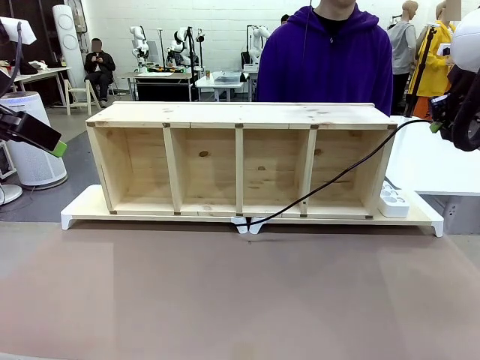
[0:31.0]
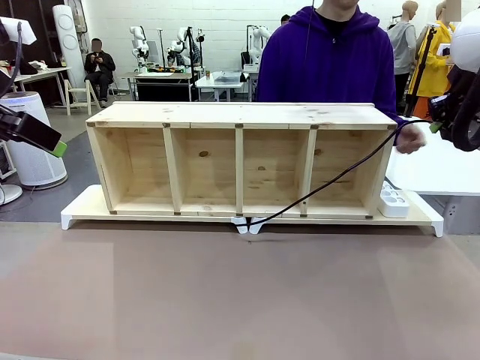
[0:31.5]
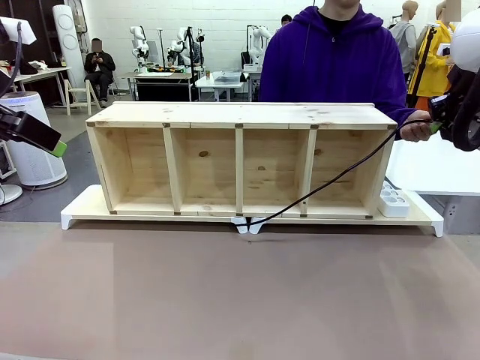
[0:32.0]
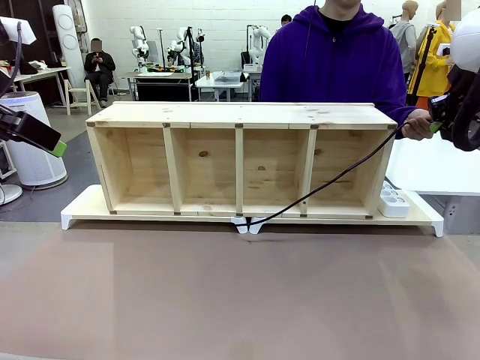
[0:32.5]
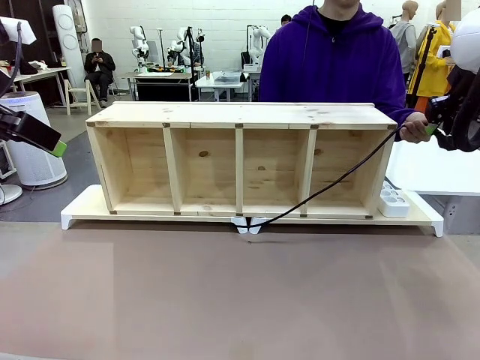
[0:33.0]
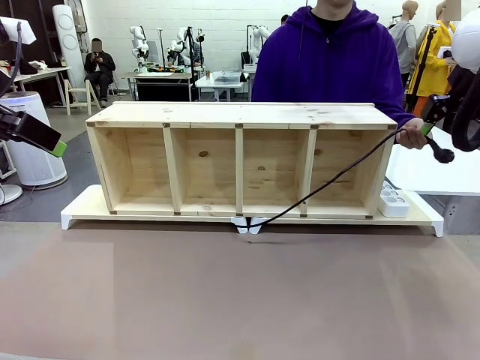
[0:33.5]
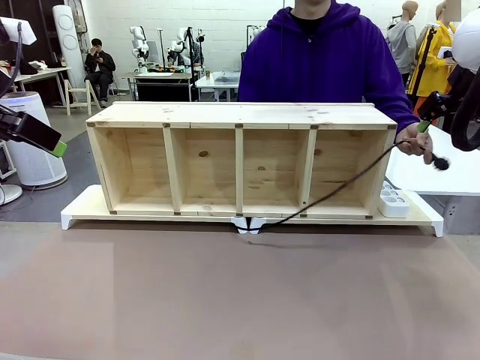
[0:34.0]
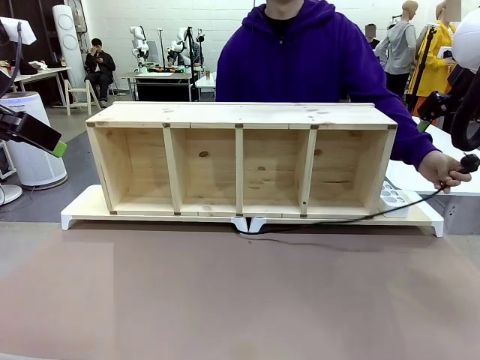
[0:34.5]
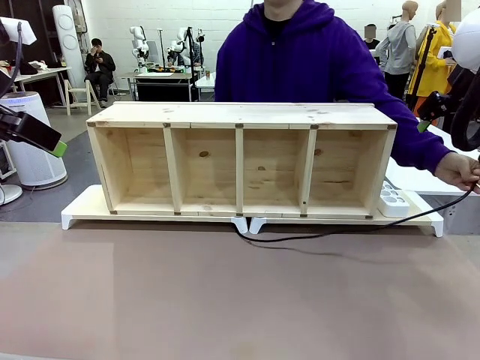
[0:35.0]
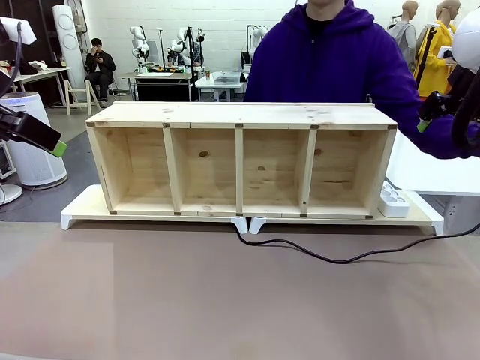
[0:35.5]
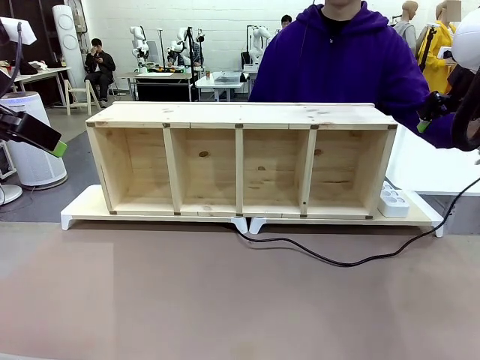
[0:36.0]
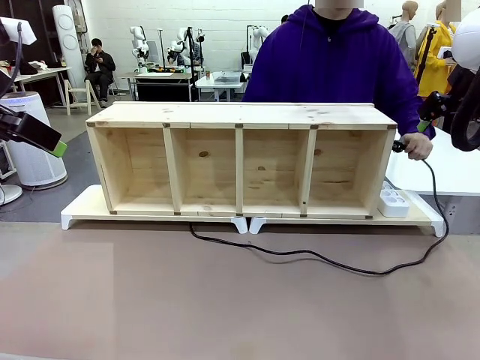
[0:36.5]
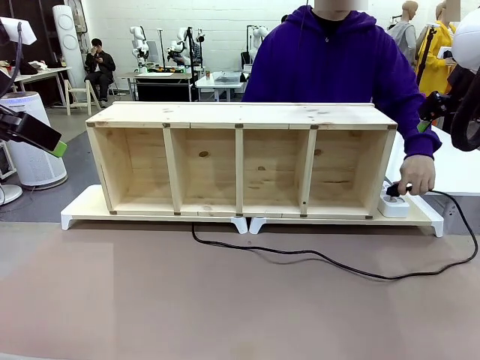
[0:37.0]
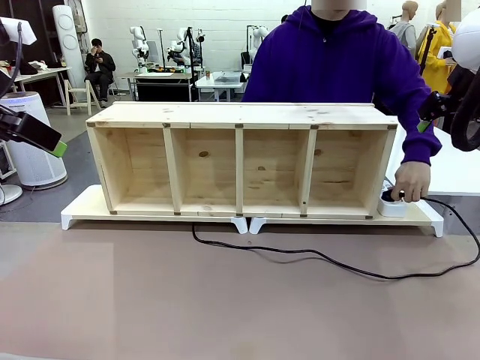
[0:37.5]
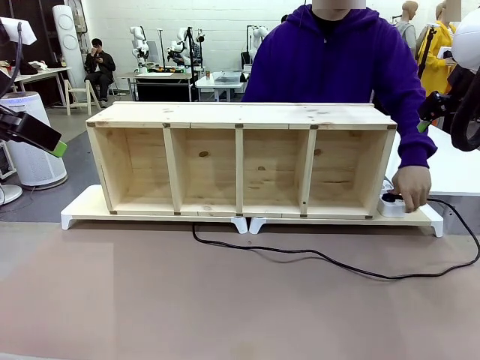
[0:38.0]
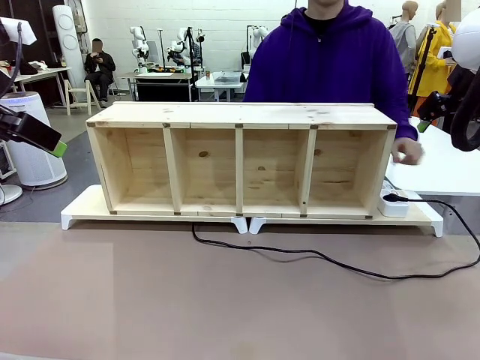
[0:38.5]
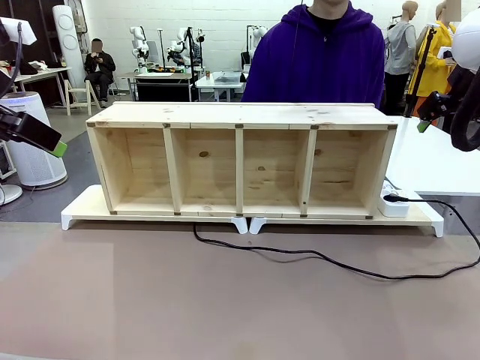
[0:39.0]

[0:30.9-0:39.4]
Task: Perform cable management.
Robot: Release the Power Cable when the human grasps it.
Person: Plug the Power Cable into the Power Strip.

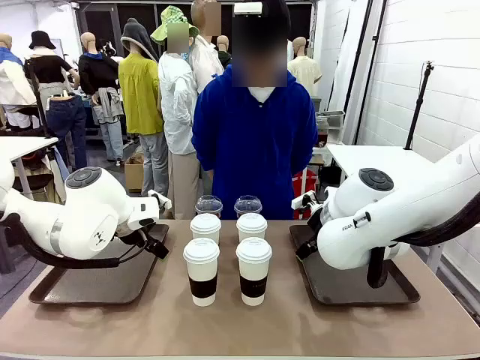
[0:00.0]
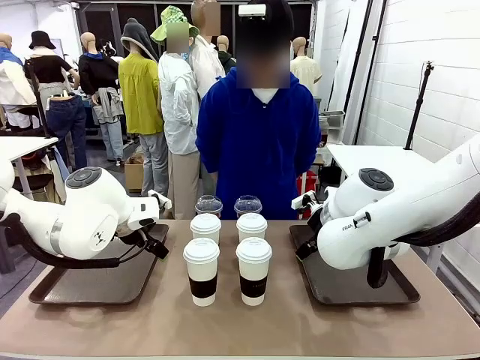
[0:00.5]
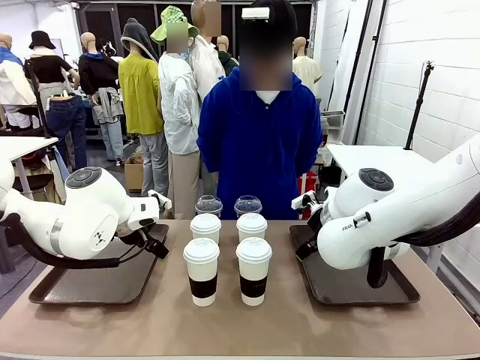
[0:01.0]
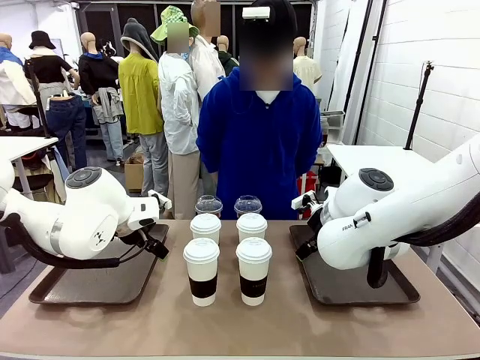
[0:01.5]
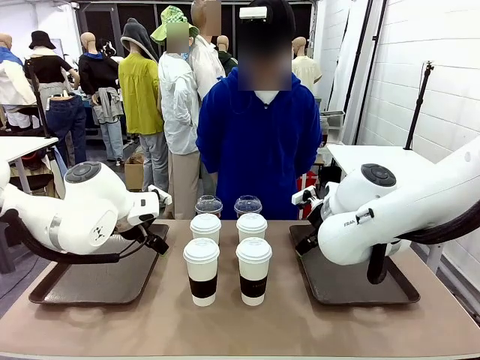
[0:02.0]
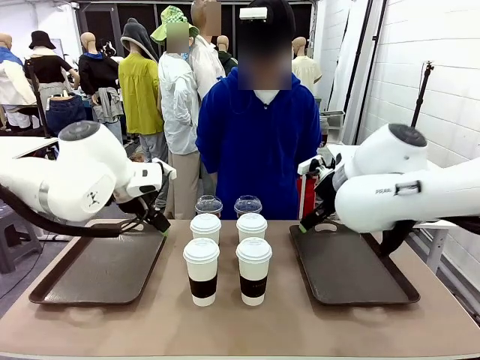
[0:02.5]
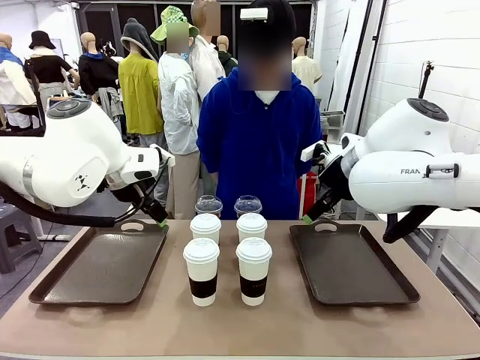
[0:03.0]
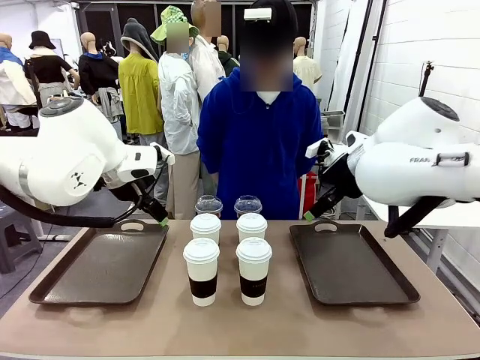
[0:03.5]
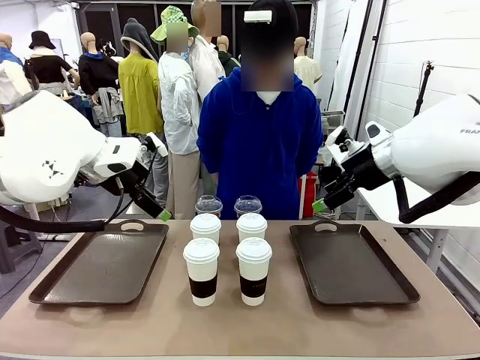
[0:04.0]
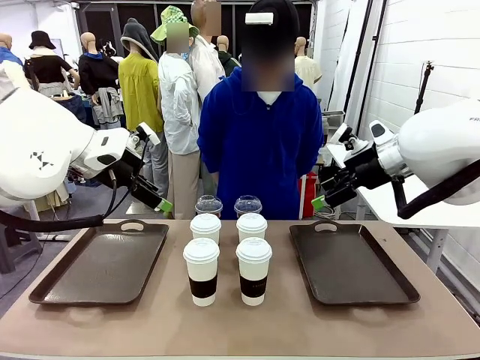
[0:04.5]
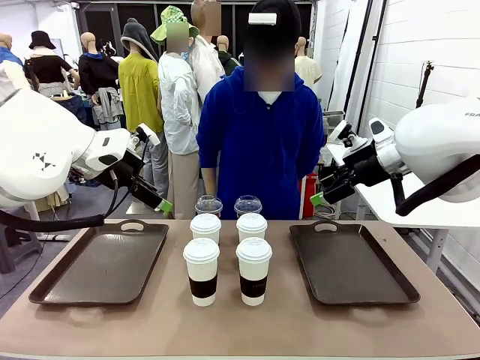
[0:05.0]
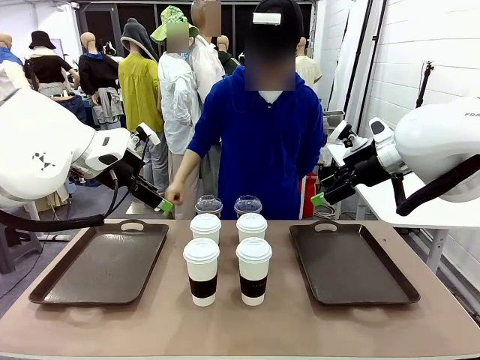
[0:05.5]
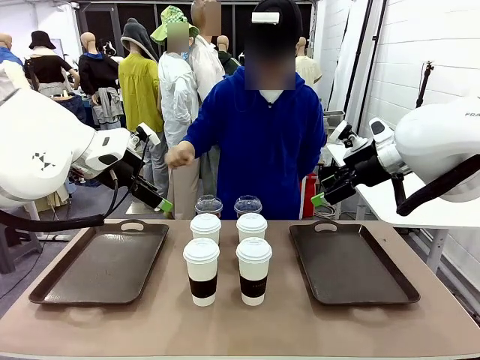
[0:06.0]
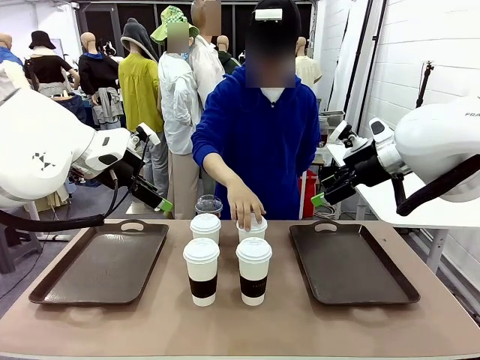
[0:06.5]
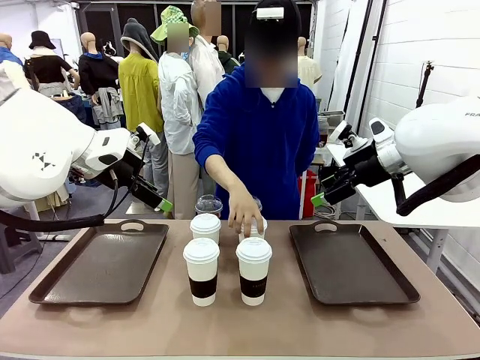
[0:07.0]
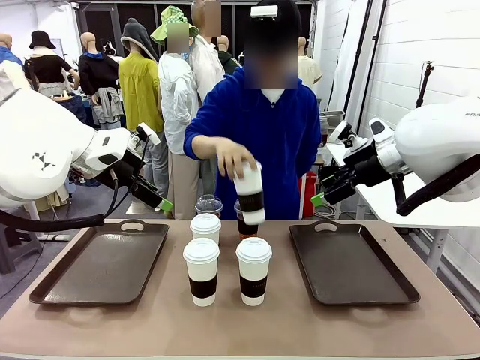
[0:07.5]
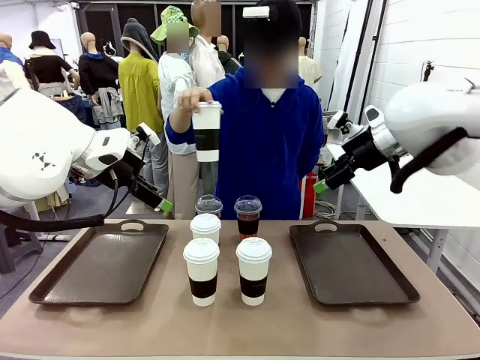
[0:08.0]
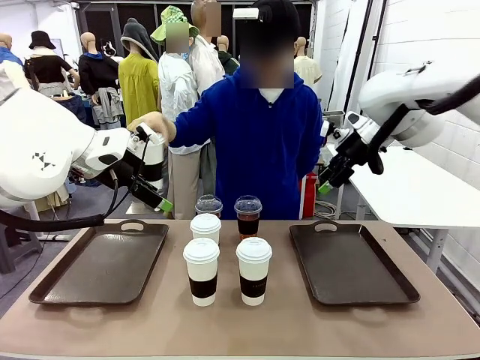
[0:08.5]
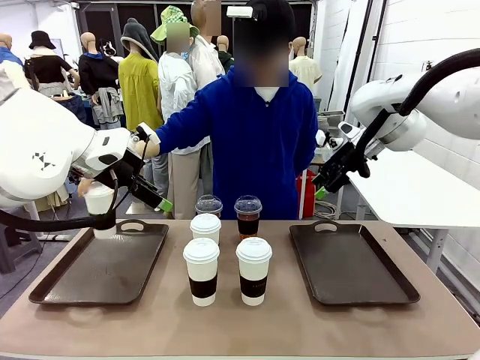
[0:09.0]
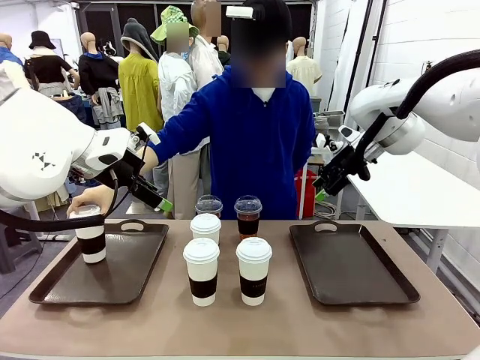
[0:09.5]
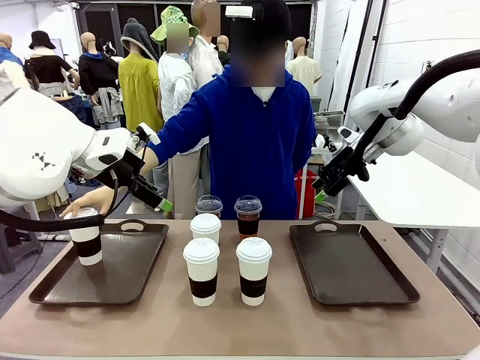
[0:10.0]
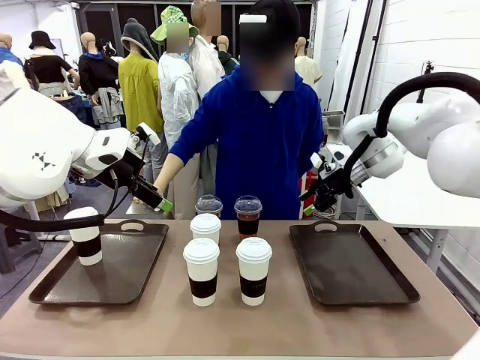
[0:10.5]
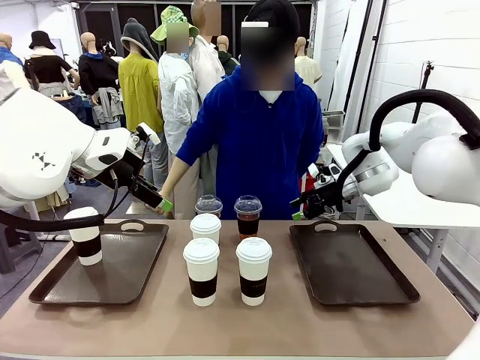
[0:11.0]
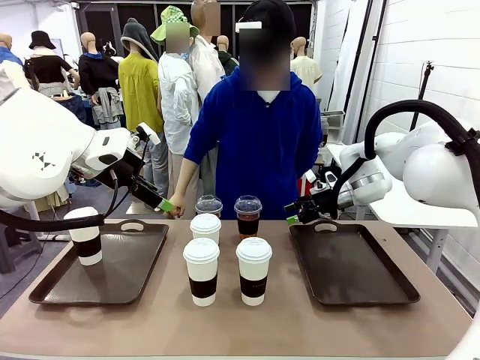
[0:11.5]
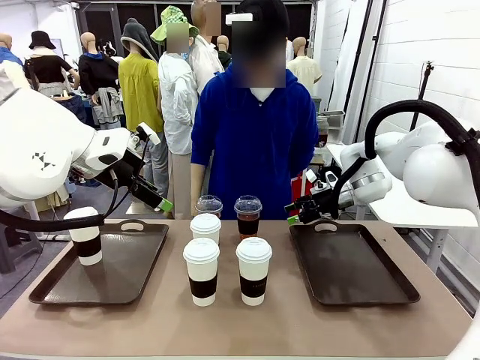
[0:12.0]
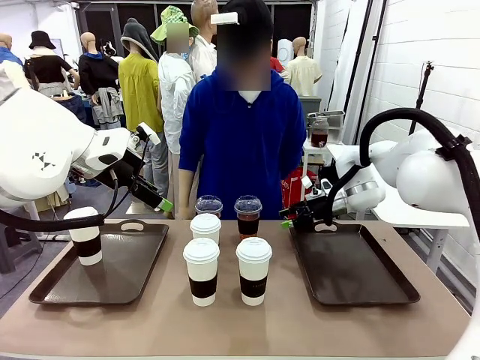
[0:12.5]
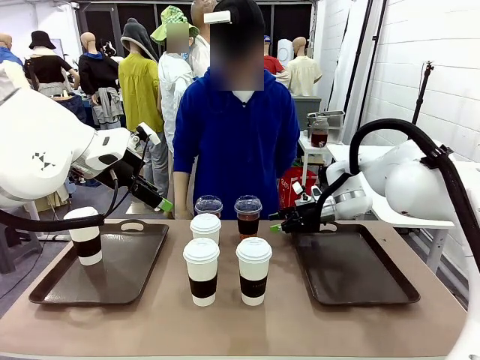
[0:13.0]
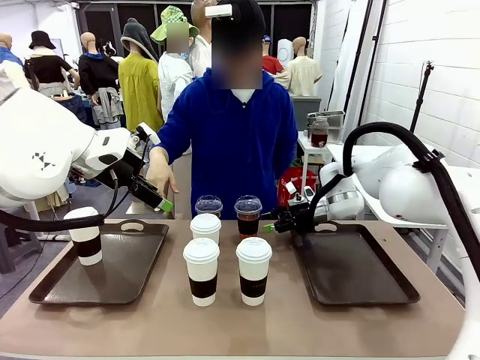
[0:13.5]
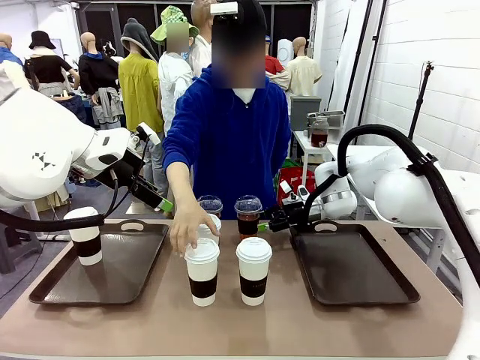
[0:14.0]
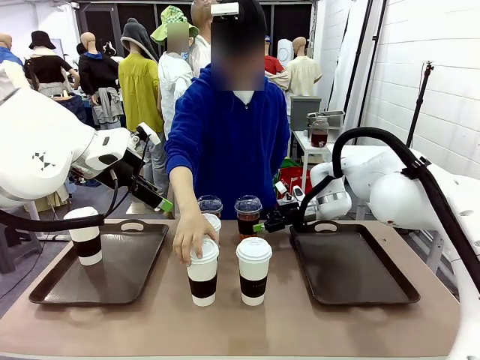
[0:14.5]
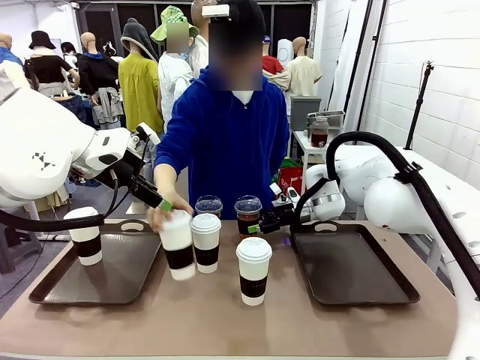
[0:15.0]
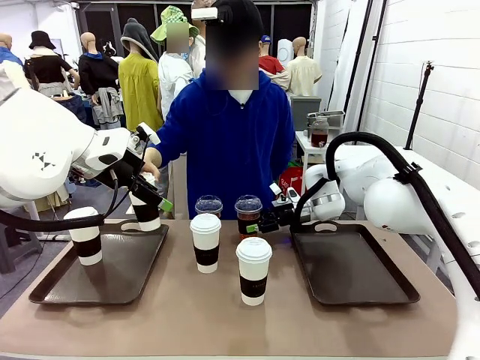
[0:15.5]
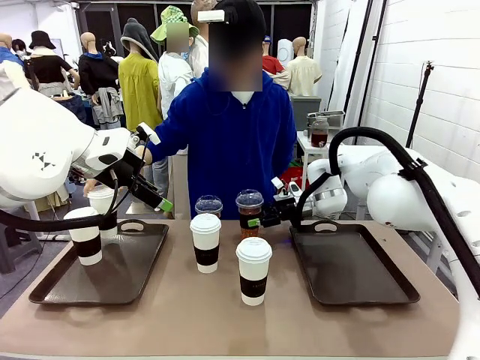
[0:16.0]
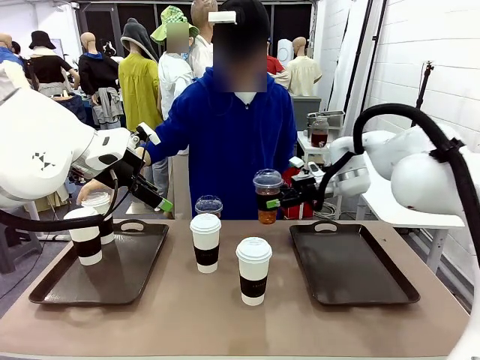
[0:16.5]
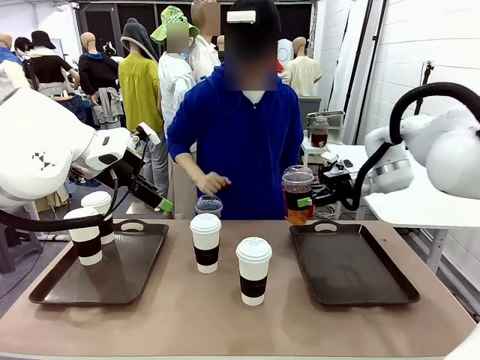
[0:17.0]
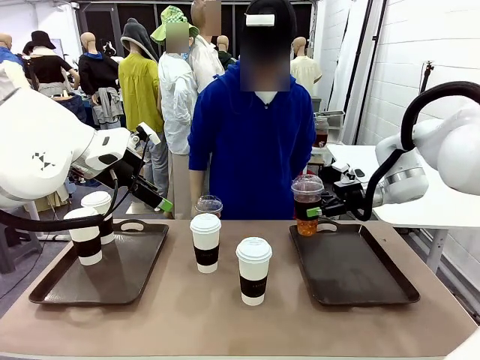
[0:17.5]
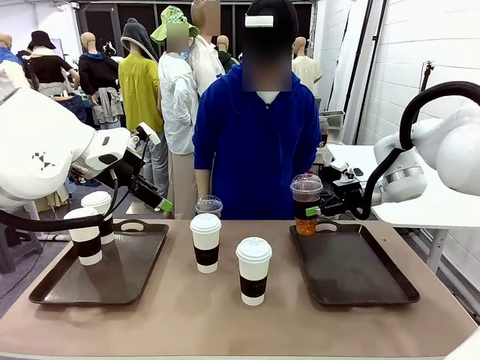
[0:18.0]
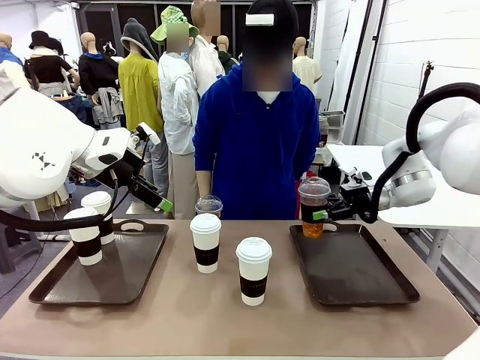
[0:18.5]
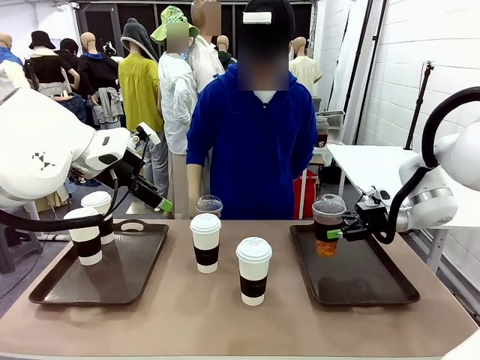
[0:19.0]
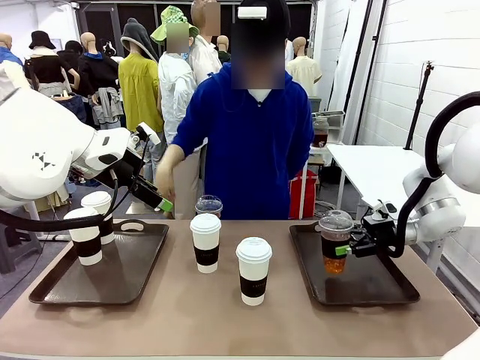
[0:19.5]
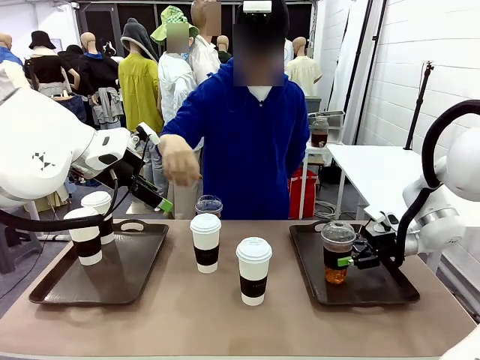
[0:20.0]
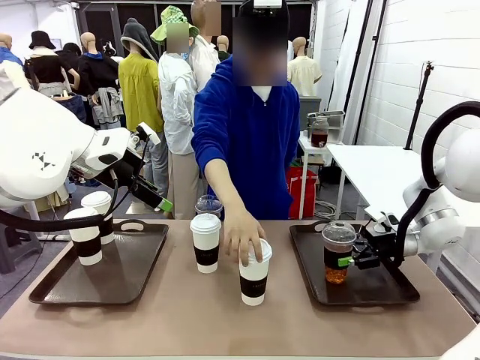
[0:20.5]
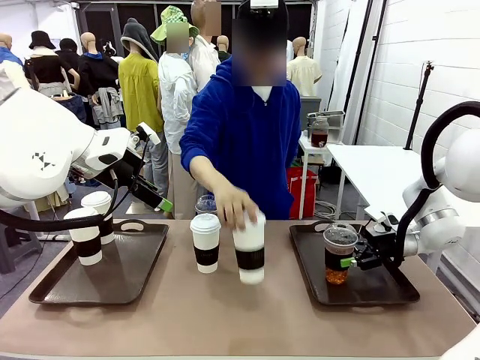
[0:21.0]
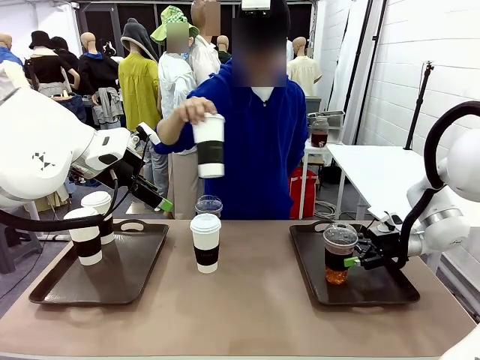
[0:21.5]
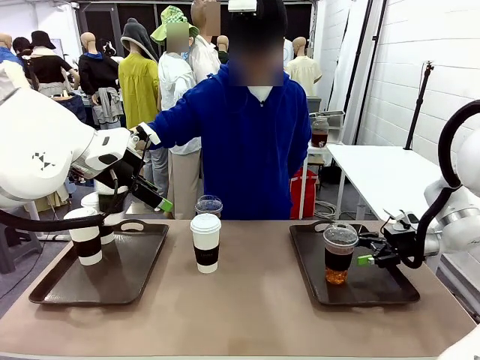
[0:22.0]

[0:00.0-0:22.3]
Task: Distribute the coffee onto the tray.
Robot: Pick up one iced Americano and place it on the right Handle tray.
Person: Pick up a cup of hot Americano and place it on the right tray.
